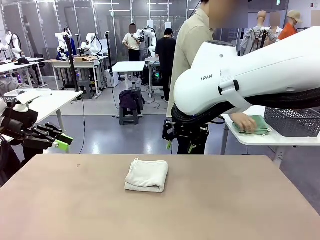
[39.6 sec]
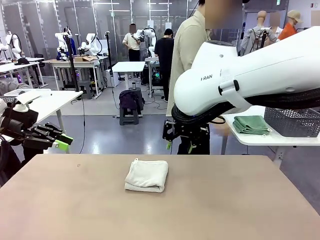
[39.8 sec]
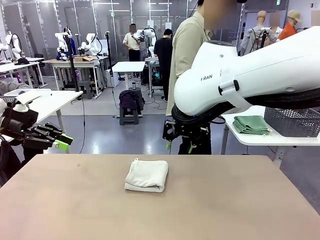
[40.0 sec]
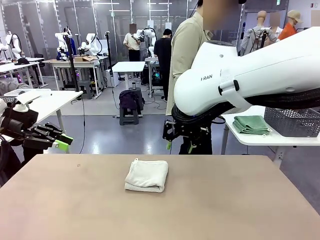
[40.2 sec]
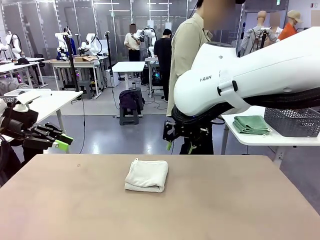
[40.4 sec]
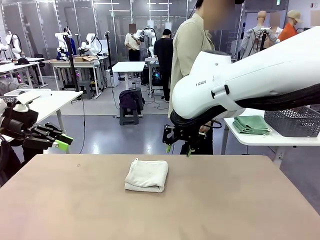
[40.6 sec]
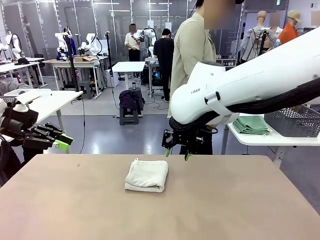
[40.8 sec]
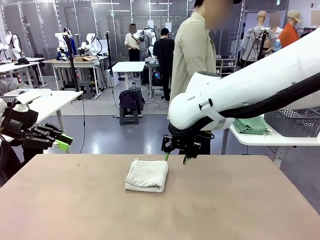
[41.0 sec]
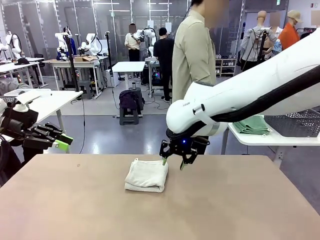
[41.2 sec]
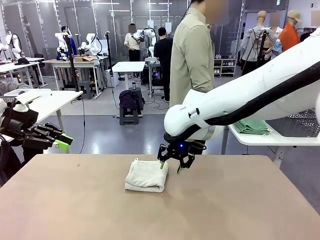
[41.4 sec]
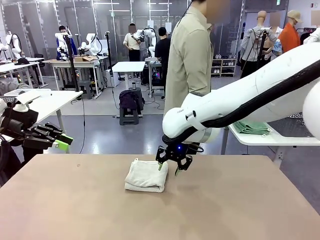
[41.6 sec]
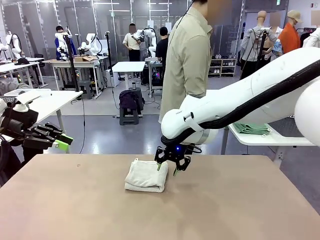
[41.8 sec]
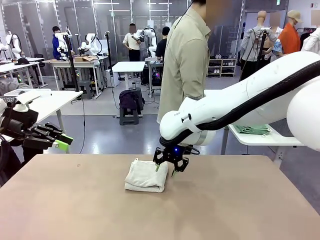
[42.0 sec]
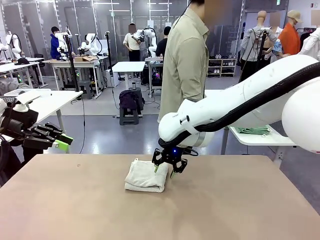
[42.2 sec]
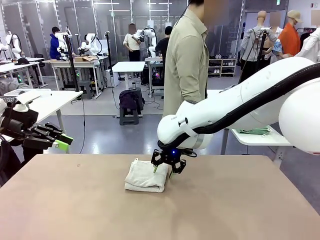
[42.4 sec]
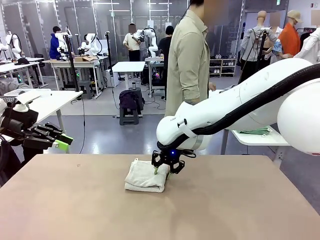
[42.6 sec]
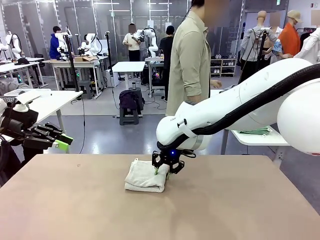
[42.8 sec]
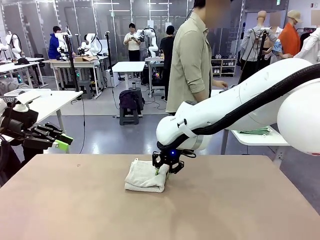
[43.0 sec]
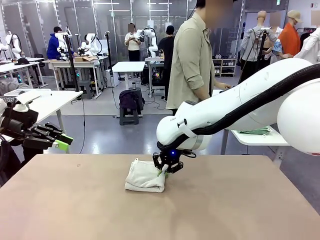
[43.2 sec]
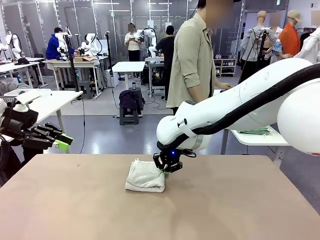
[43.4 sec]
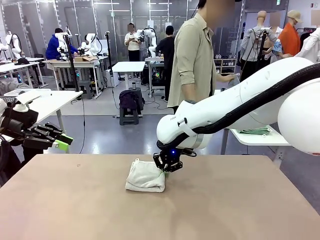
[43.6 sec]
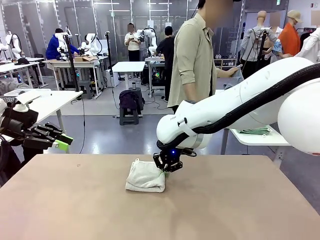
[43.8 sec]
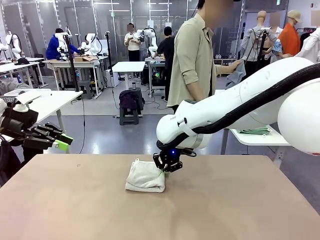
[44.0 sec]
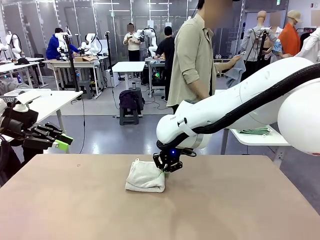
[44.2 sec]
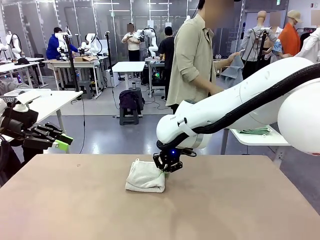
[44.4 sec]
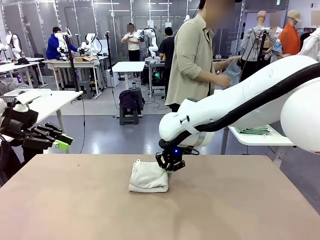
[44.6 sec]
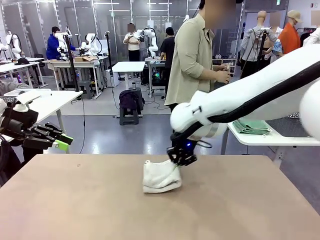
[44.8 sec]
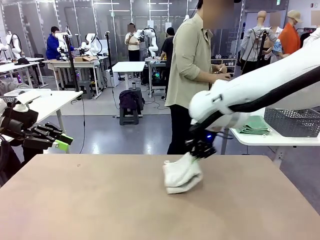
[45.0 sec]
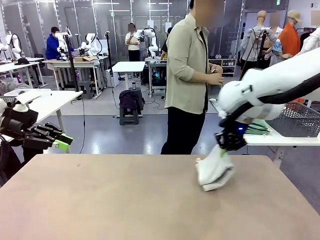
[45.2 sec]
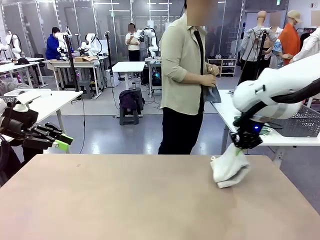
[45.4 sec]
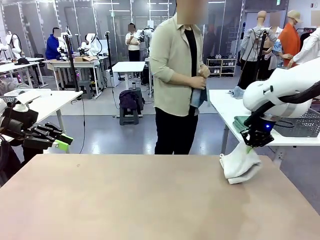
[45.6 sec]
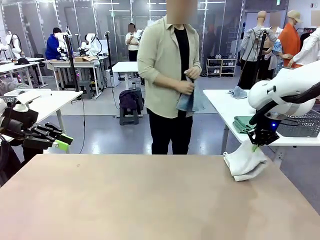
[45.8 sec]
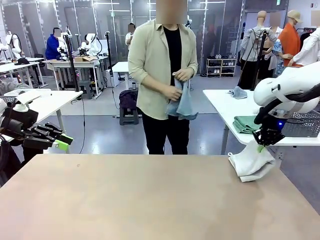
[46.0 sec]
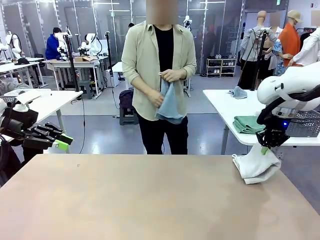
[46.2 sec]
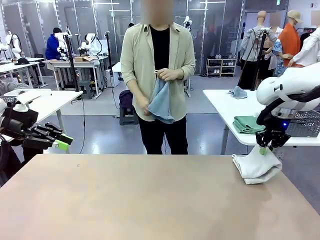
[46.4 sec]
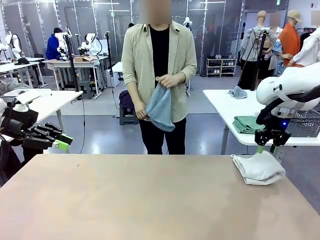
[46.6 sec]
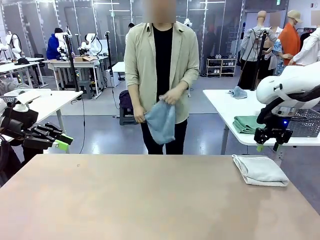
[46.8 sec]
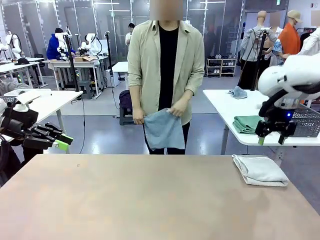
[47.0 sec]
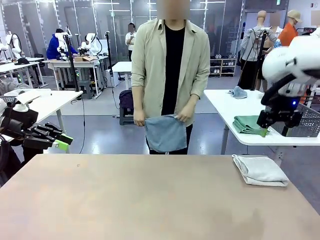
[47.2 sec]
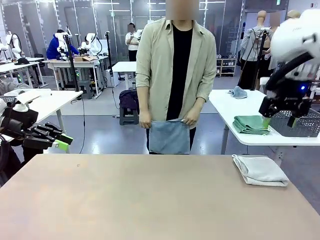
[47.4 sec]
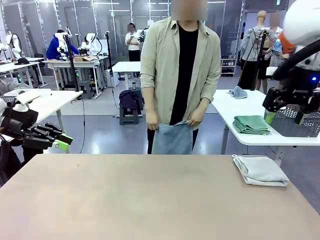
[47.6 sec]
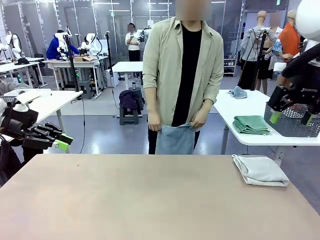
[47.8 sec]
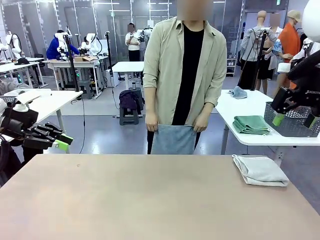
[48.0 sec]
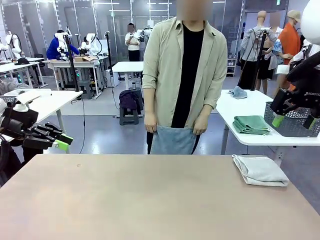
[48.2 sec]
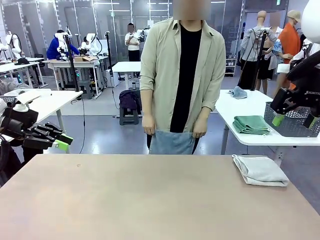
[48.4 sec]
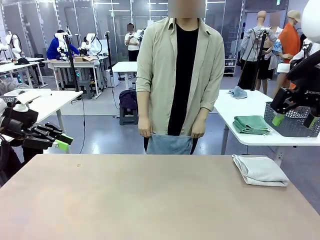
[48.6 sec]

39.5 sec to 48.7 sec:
Task: Fold the towels and place them in the basket.
Robot: Place the folded Towel with hook on the right side of the table.
Person: Pick up one towel from the left side of the human table and spread it out at the center of the robot table.

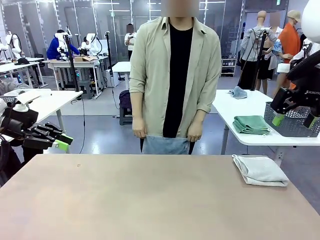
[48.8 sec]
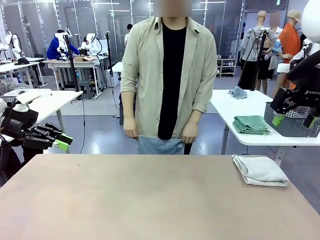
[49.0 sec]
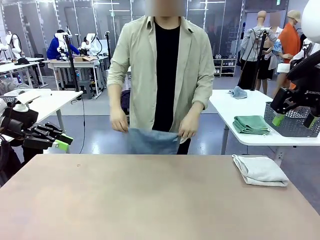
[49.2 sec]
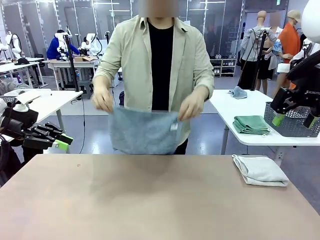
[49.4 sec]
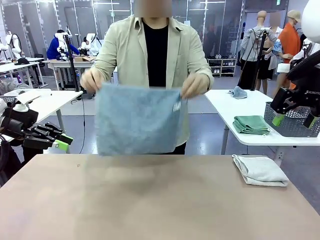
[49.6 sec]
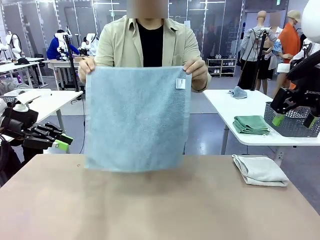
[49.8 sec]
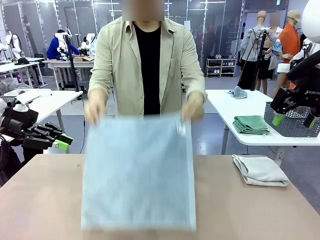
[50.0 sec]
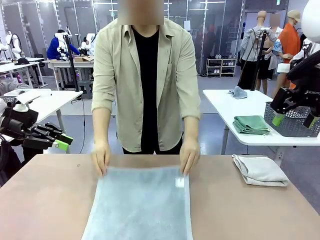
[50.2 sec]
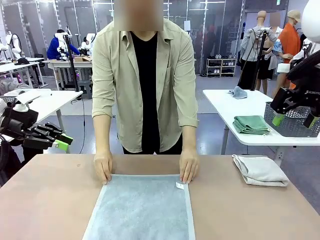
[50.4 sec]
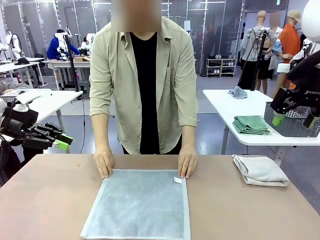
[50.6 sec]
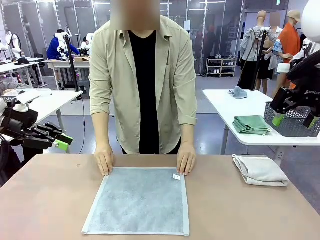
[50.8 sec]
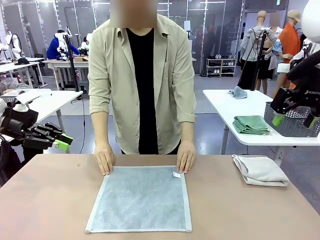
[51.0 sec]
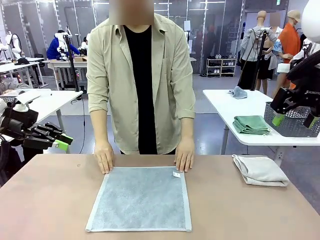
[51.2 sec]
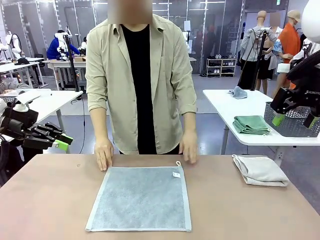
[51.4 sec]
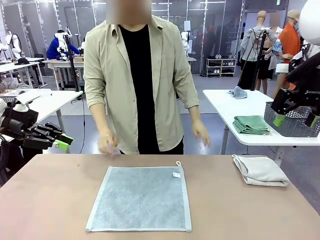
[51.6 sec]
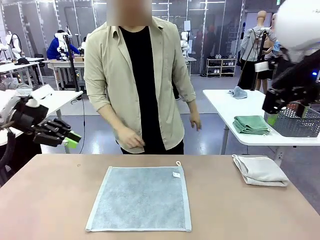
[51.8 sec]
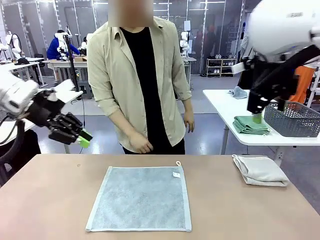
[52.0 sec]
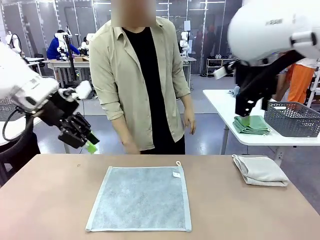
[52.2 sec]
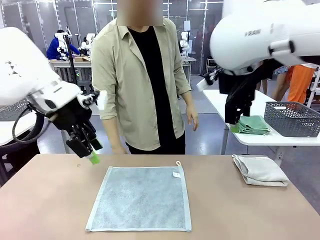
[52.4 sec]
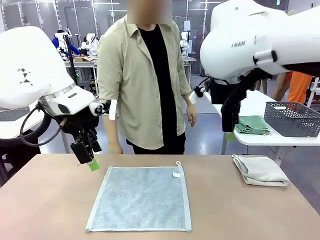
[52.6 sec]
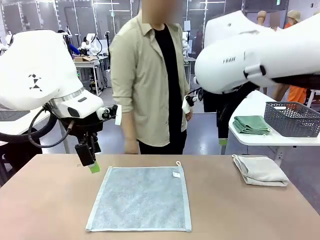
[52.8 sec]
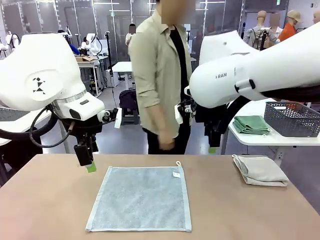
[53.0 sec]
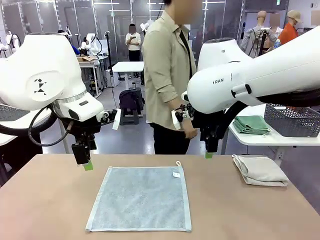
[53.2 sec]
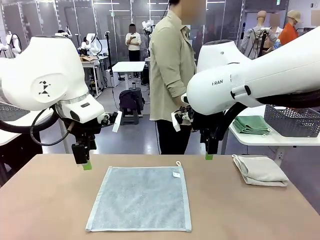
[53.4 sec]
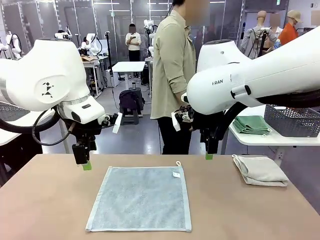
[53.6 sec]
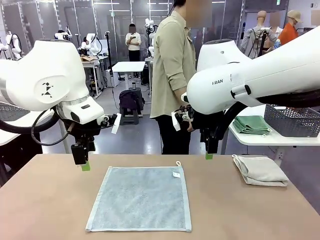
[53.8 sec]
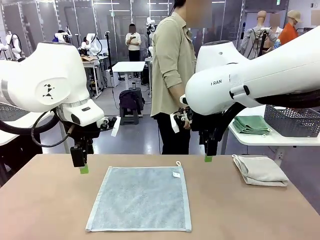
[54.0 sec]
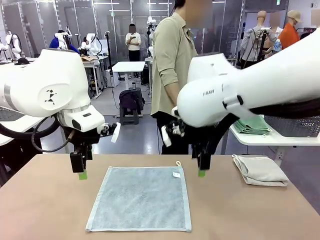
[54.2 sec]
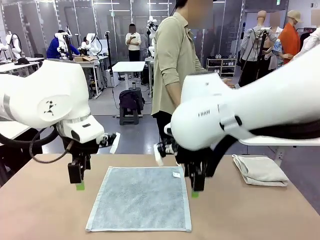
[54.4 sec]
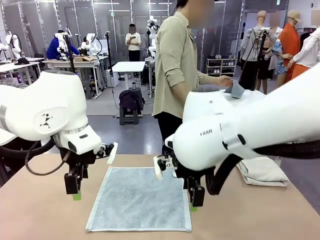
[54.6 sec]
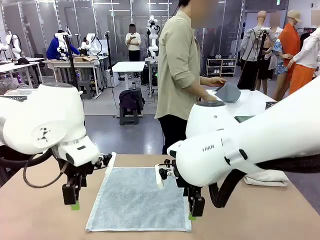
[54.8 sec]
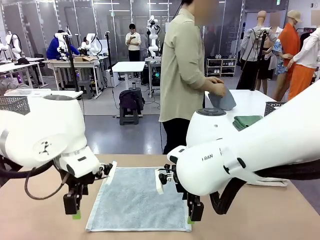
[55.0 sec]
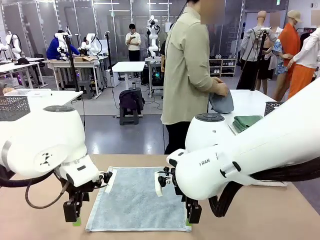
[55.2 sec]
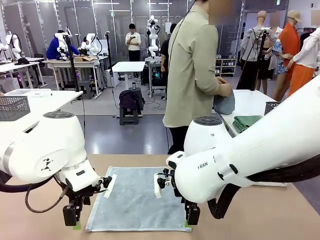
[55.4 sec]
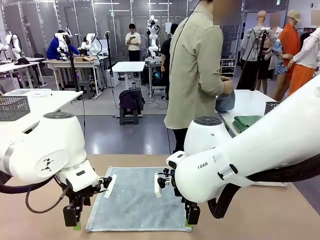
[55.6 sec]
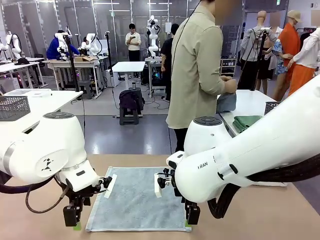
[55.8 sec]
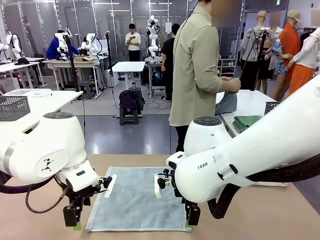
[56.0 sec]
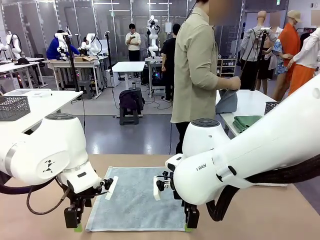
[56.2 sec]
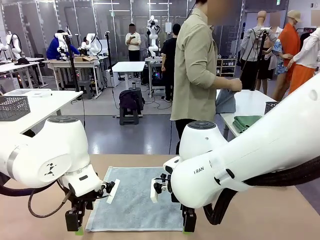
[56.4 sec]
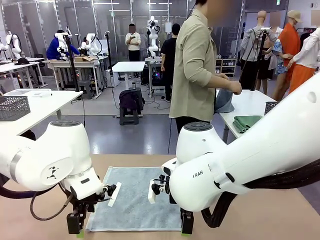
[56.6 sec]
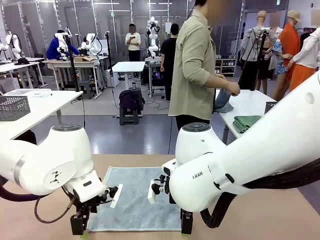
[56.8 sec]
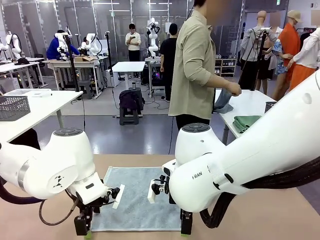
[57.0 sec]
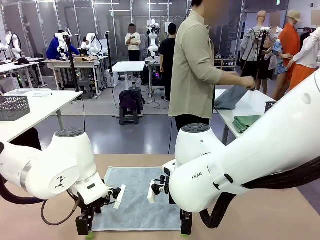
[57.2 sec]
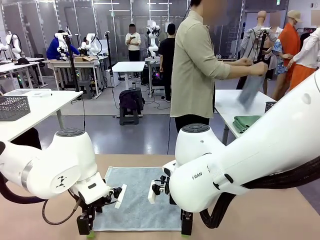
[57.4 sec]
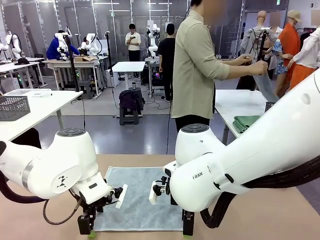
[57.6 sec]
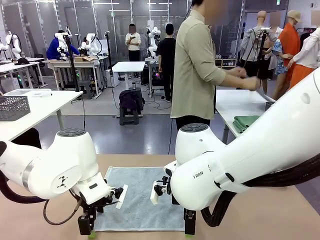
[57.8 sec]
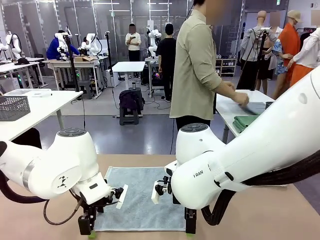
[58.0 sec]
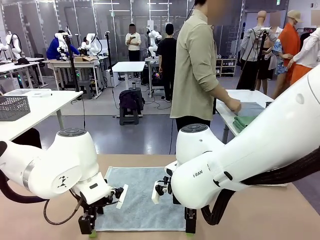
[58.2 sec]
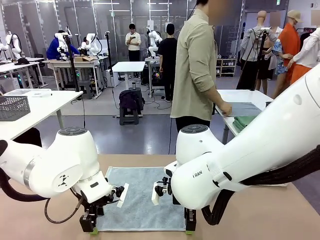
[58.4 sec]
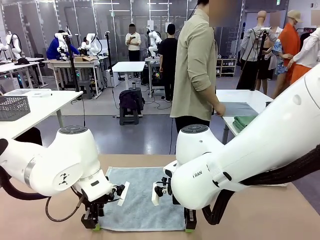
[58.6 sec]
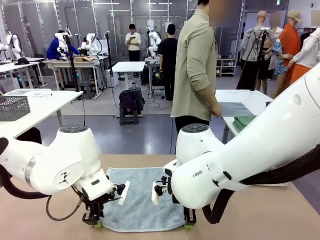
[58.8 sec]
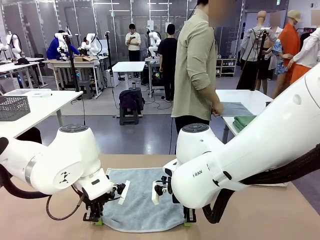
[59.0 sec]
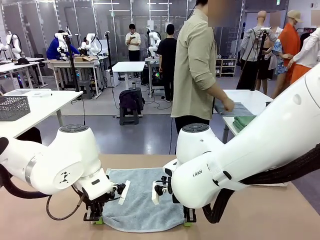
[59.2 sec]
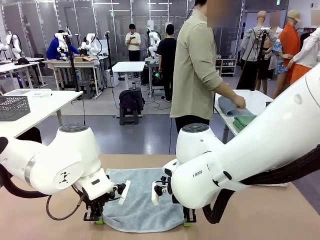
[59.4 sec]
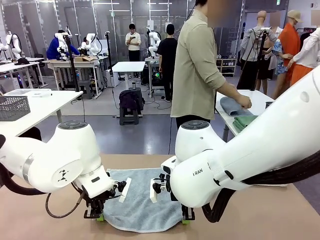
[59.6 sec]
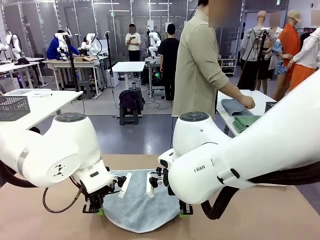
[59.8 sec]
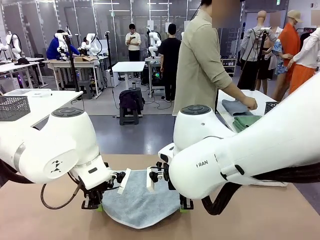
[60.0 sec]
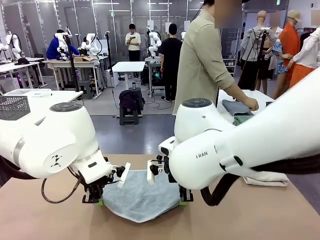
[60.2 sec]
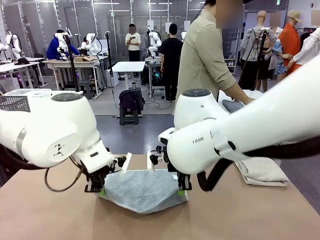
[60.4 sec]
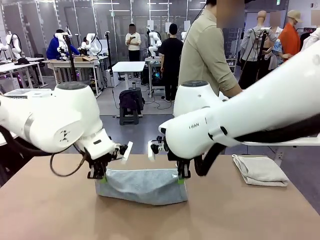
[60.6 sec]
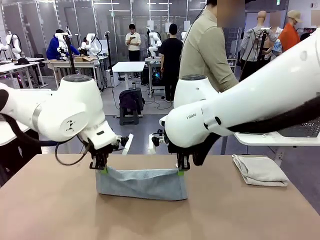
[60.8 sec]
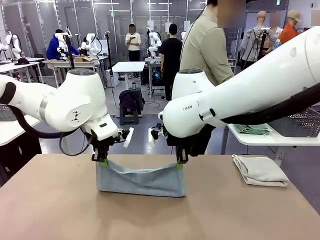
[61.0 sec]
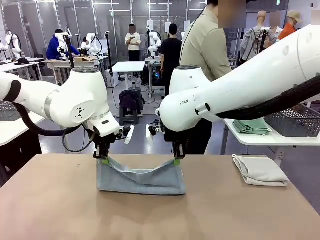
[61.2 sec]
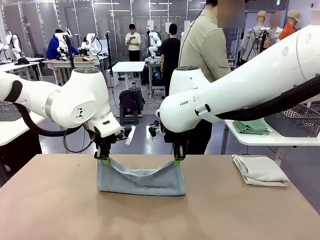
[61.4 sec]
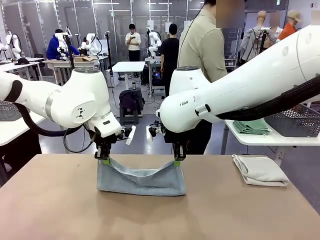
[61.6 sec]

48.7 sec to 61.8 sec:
Robot: When a person lays out a Towel with hook on the table, fold it in half twice.
Person: Pick up one towel from the left side of the human table, fold it in half twice, and stack it on the right side of the table.
